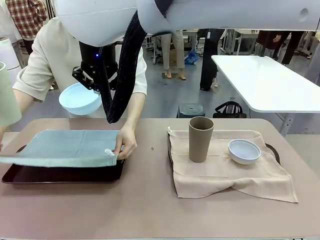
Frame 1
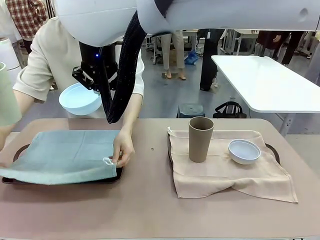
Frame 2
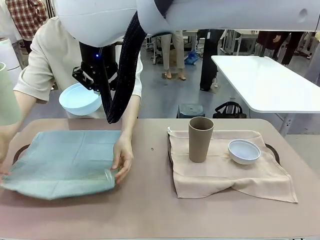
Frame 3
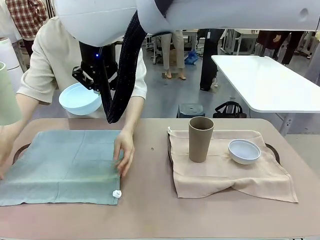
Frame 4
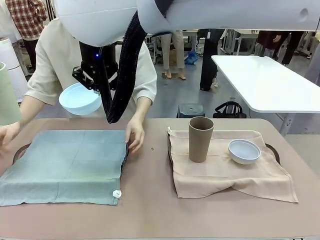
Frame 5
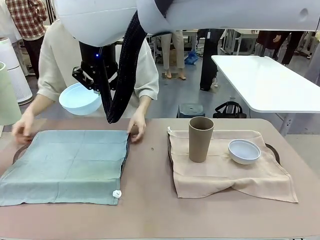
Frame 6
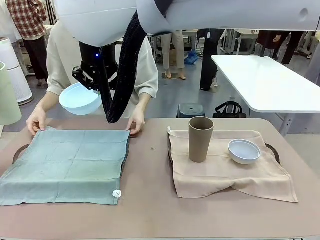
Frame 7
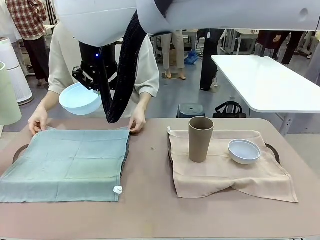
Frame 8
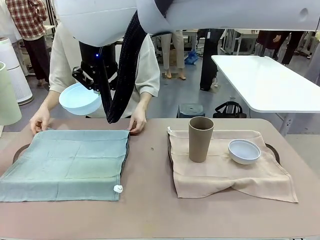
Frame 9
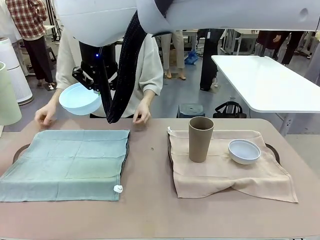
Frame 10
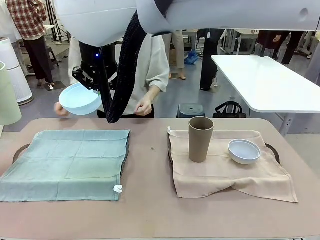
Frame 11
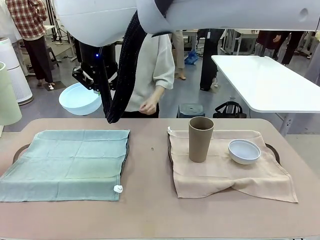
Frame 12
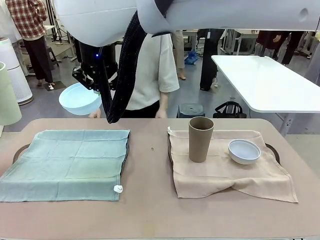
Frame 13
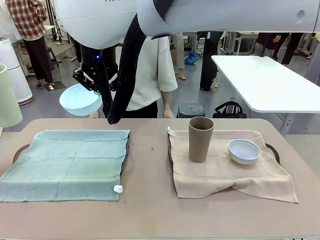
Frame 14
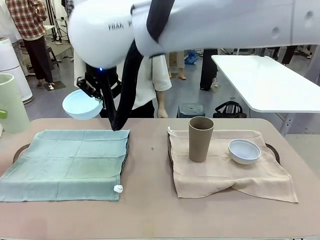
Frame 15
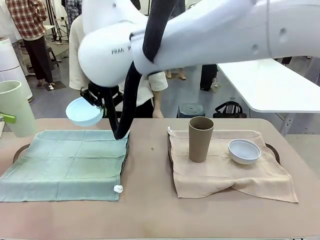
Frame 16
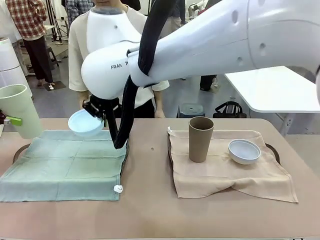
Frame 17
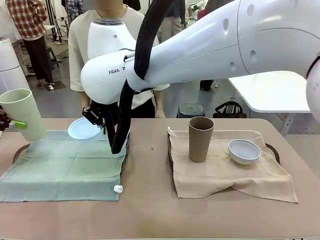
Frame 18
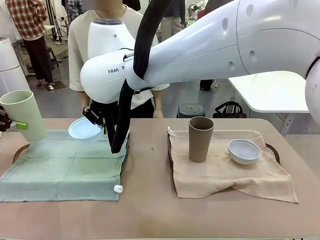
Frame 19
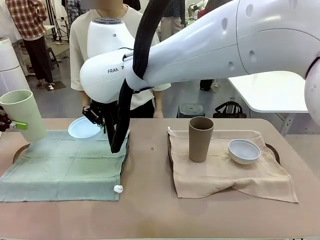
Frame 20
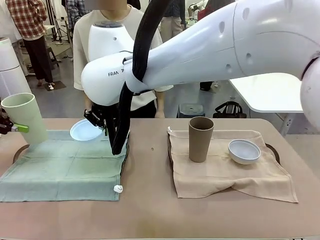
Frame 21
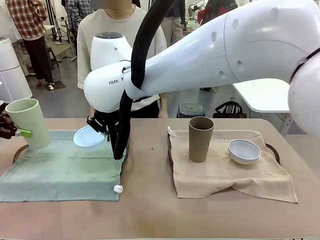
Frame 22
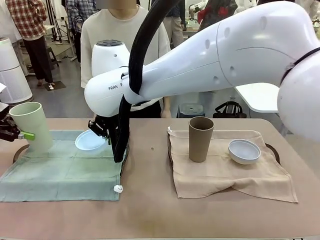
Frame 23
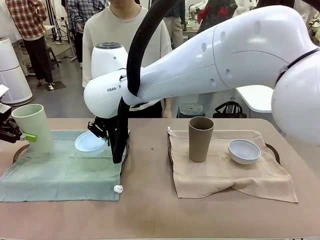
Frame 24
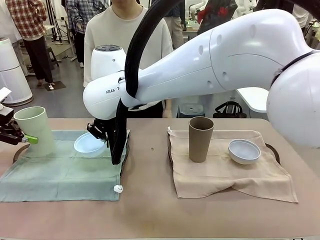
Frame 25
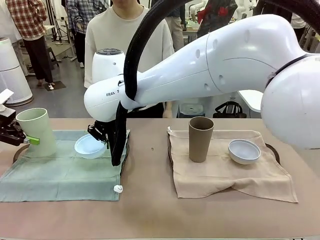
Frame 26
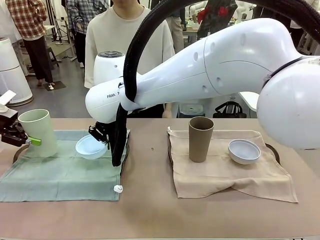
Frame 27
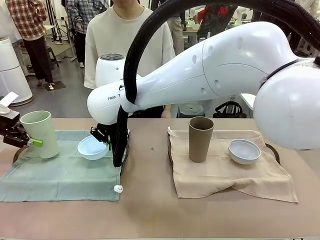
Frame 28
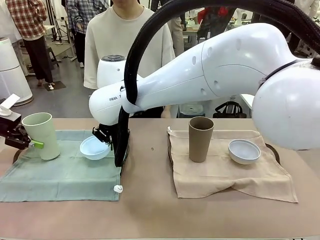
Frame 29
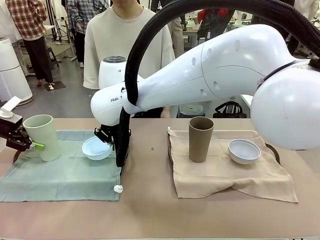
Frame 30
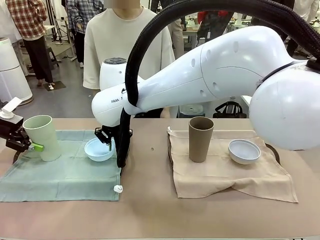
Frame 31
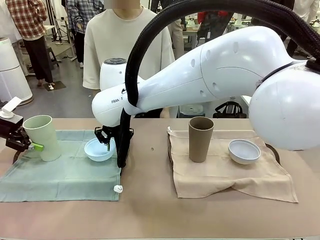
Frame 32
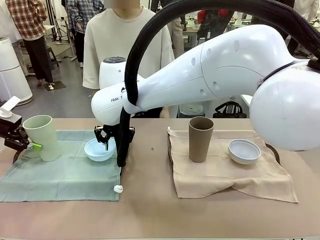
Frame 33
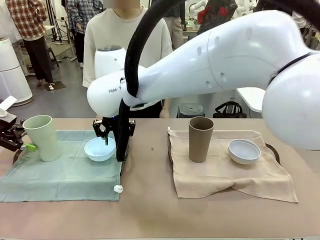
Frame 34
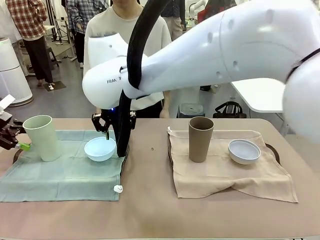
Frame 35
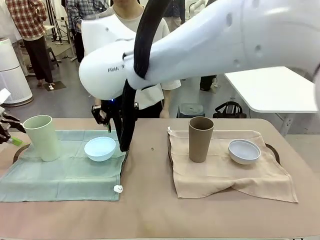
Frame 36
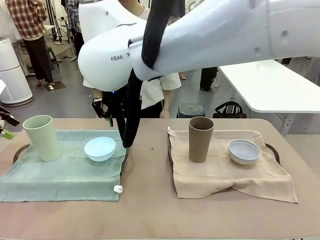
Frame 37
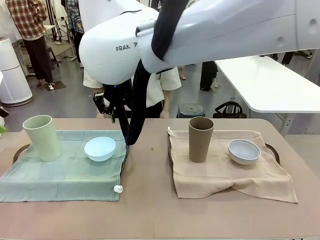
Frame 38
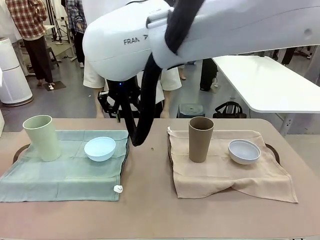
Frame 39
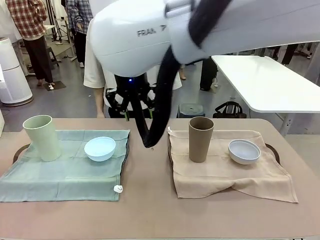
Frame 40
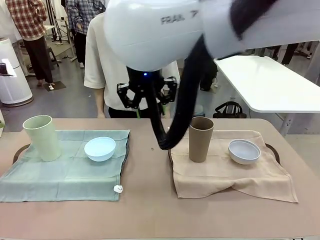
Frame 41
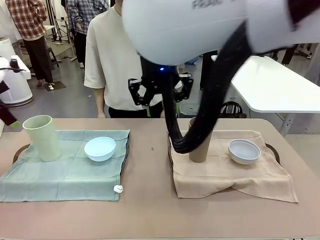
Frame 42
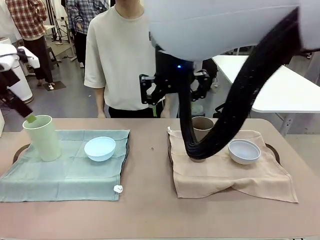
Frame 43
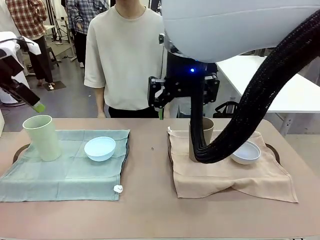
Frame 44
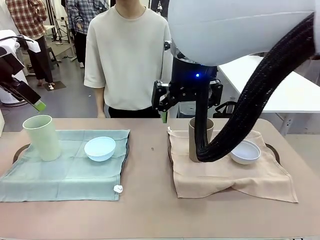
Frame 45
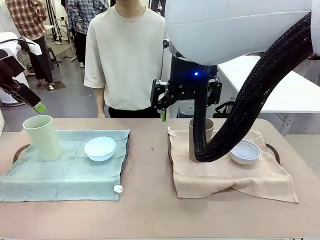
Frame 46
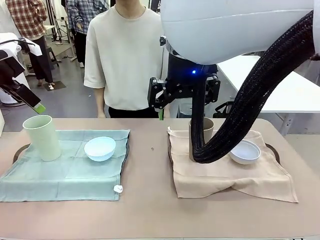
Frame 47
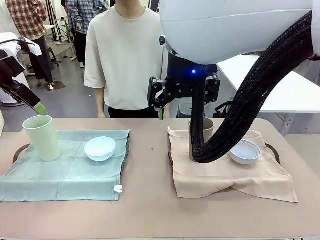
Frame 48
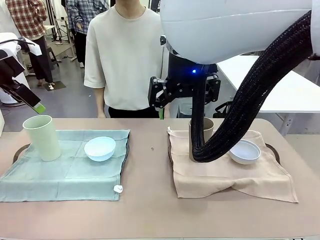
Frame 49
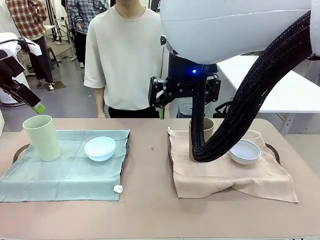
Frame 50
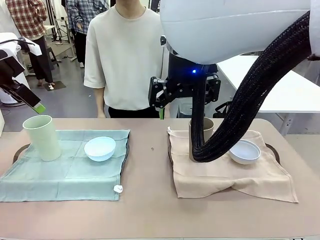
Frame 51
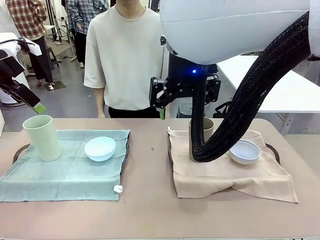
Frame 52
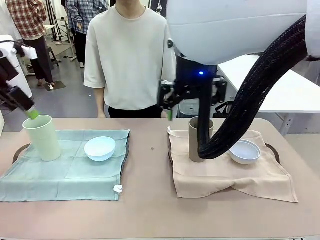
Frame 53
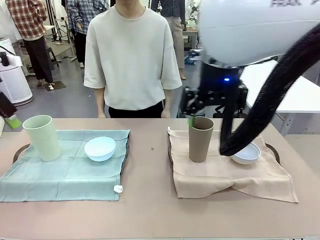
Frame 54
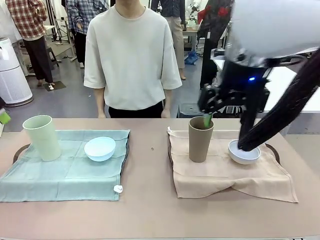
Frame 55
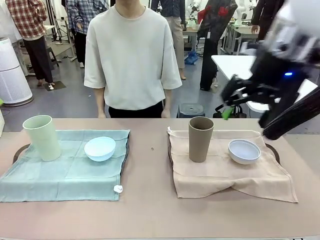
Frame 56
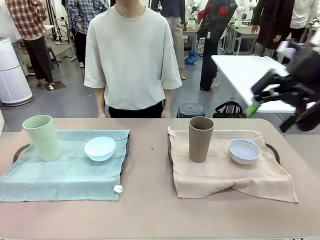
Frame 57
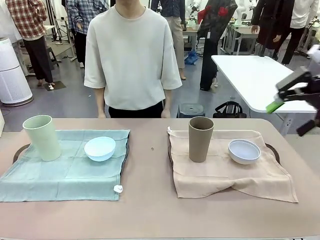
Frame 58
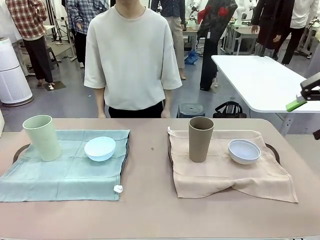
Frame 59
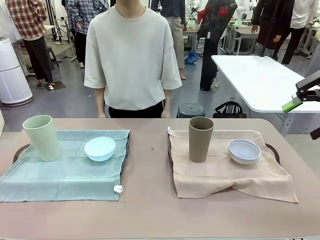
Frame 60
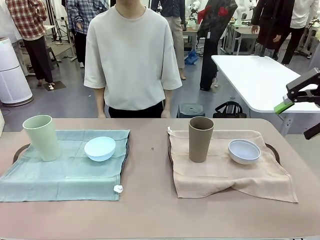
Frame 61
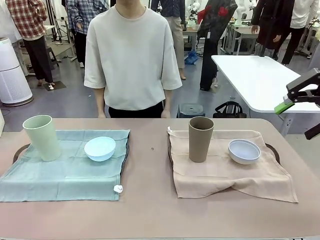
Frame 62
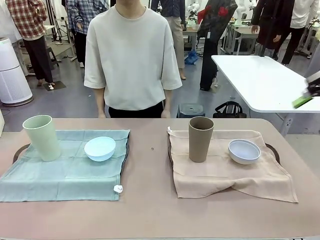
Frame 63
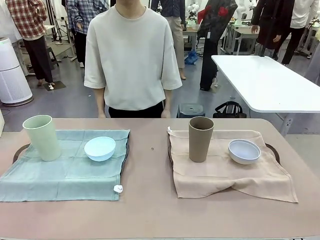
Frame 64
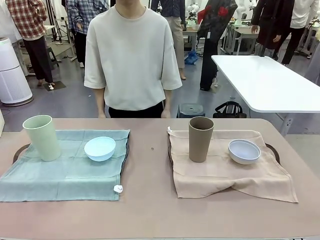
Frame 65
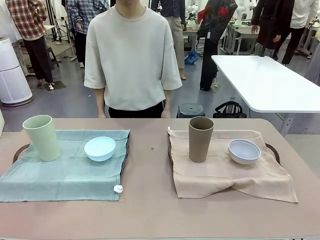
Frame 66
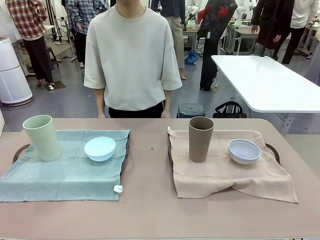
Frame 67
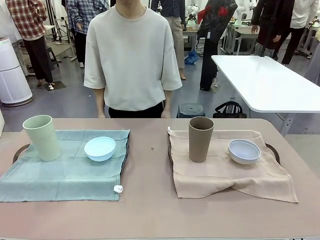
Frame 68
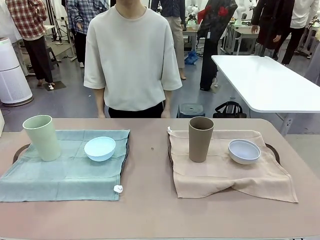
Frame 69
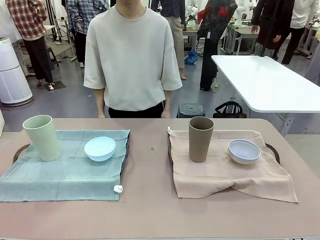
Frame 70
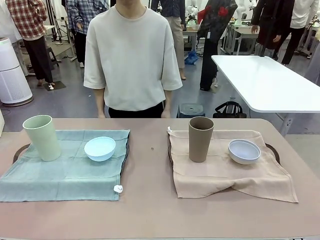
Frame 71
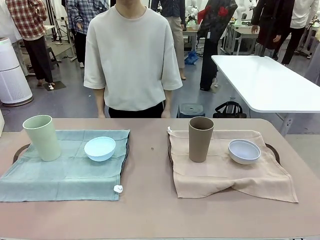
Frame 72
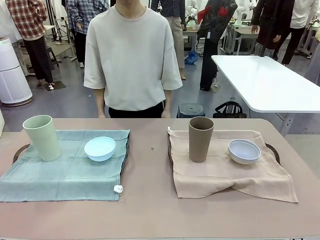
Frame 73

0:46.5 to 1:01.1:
Robot: Place the Picnic Bowl and Reusable plastic cup back onto the Handle tray in front of the human's position.
Person: When the robot lifts the bowl and the cup, the human unfolds the napkin and lays the napkin flat on the tray.
